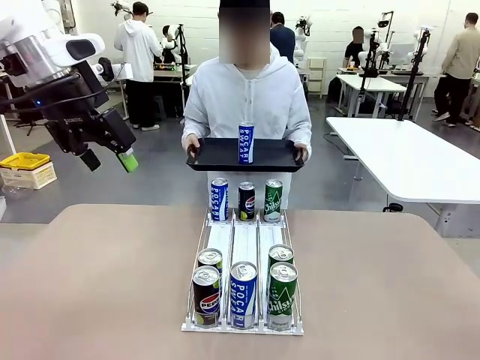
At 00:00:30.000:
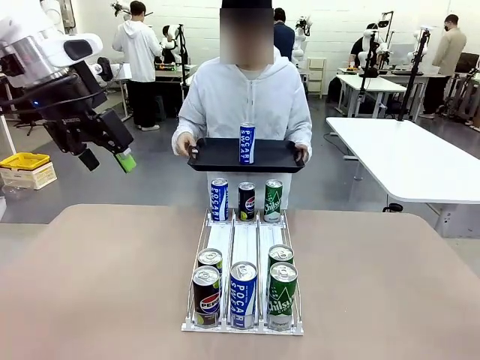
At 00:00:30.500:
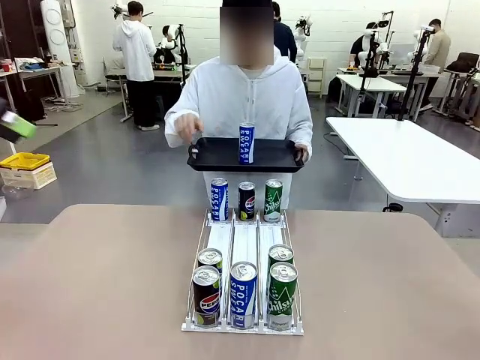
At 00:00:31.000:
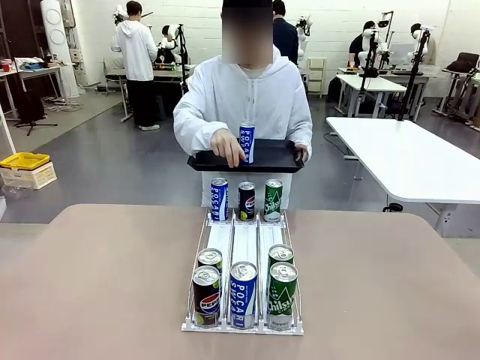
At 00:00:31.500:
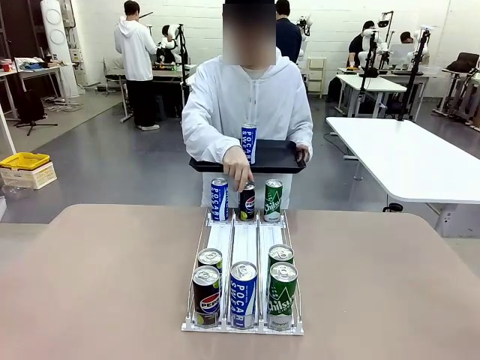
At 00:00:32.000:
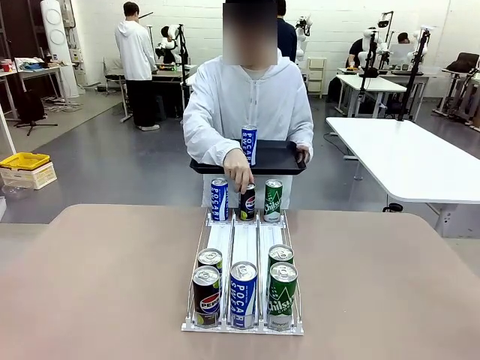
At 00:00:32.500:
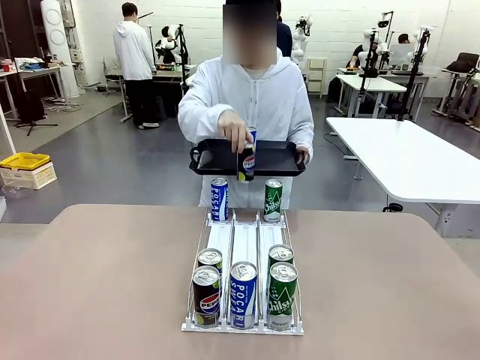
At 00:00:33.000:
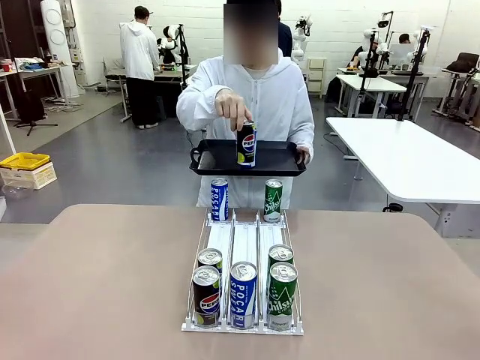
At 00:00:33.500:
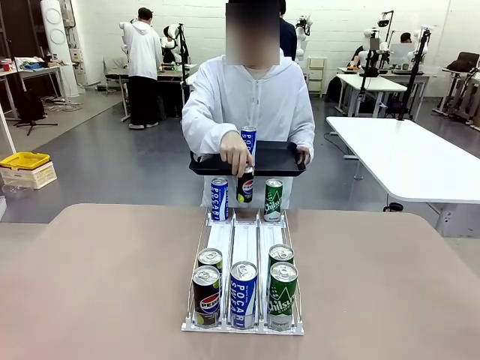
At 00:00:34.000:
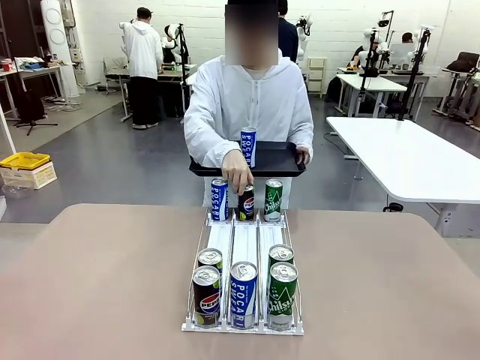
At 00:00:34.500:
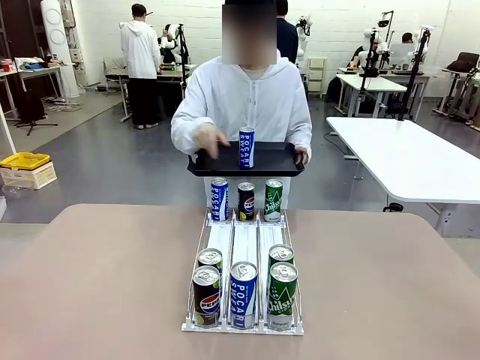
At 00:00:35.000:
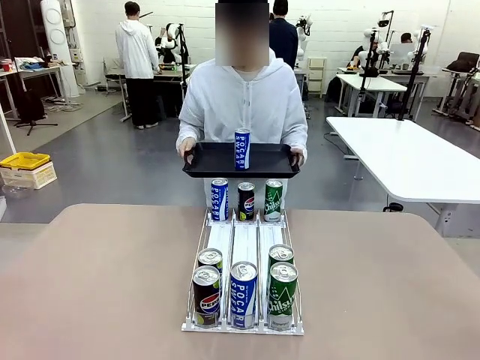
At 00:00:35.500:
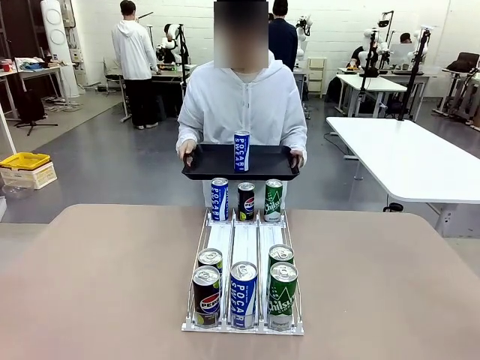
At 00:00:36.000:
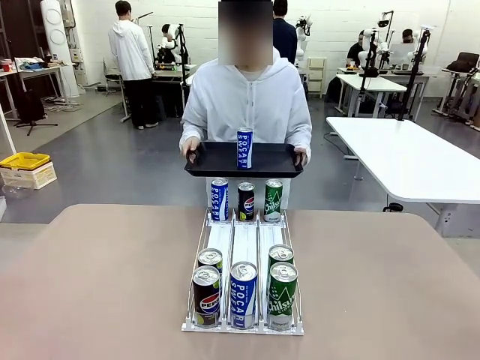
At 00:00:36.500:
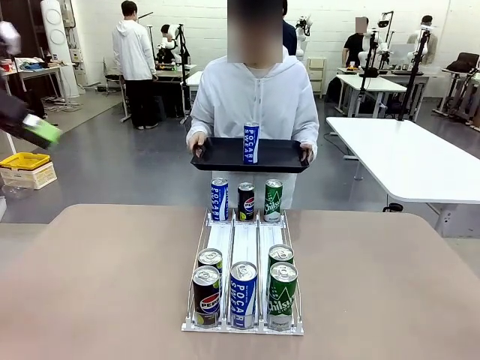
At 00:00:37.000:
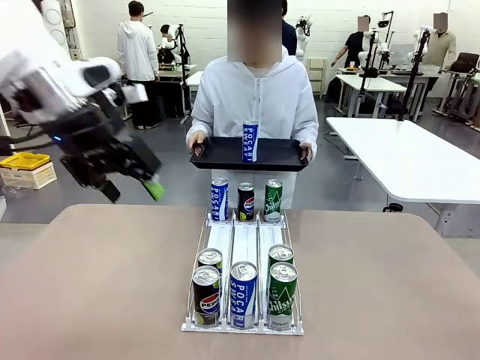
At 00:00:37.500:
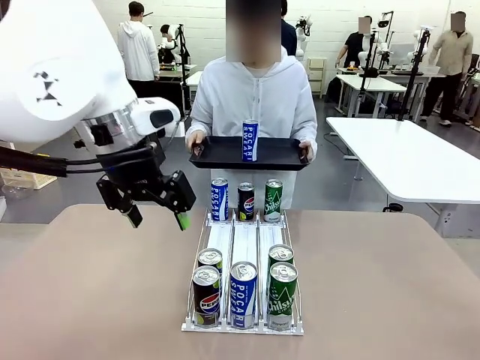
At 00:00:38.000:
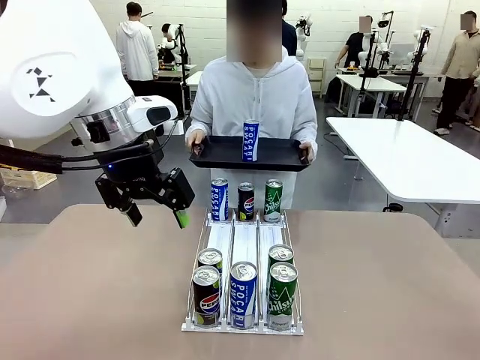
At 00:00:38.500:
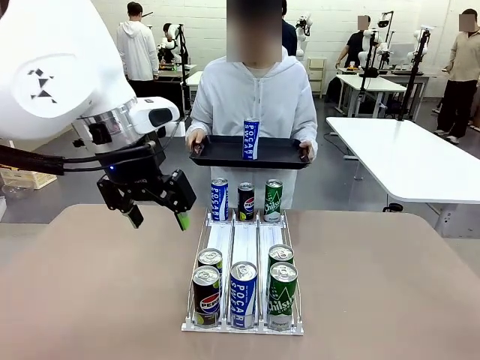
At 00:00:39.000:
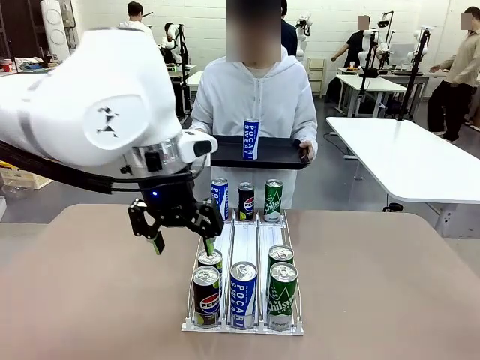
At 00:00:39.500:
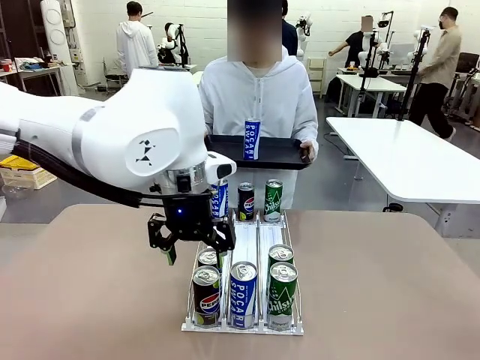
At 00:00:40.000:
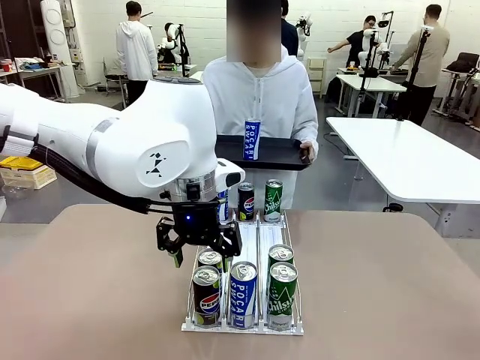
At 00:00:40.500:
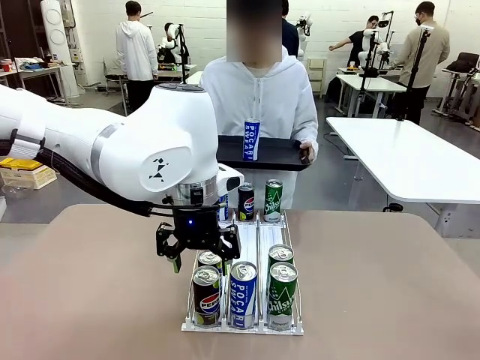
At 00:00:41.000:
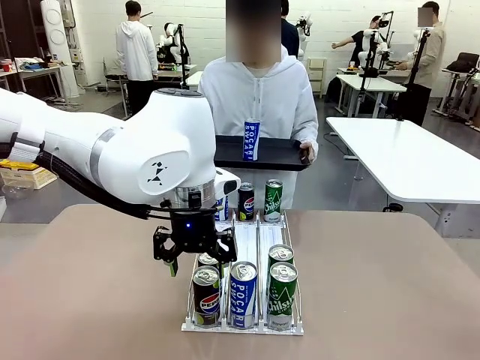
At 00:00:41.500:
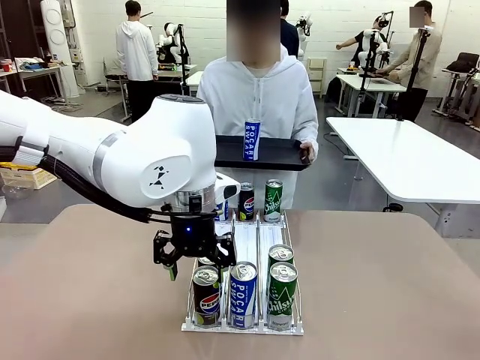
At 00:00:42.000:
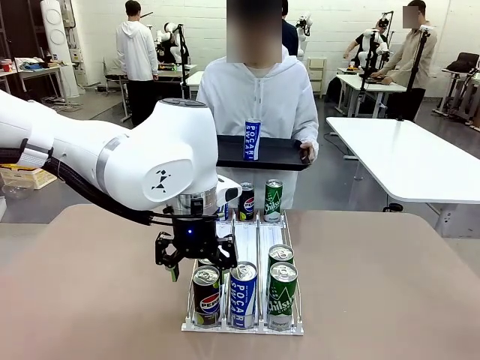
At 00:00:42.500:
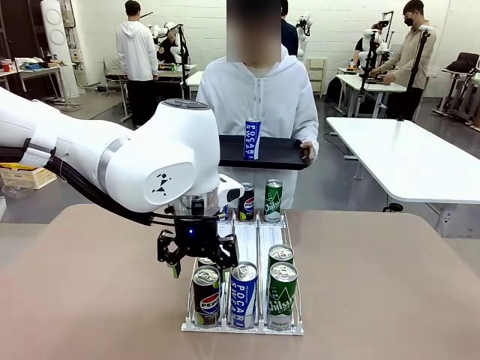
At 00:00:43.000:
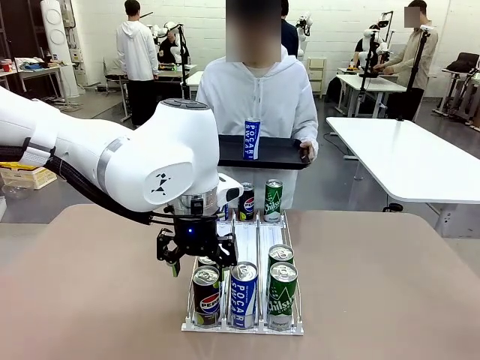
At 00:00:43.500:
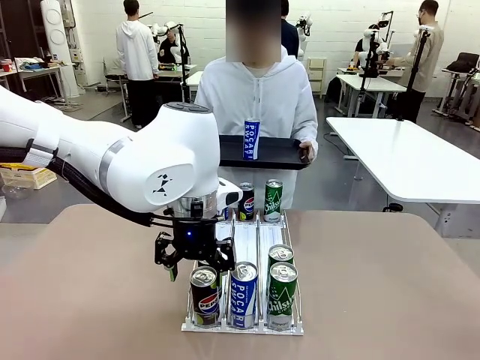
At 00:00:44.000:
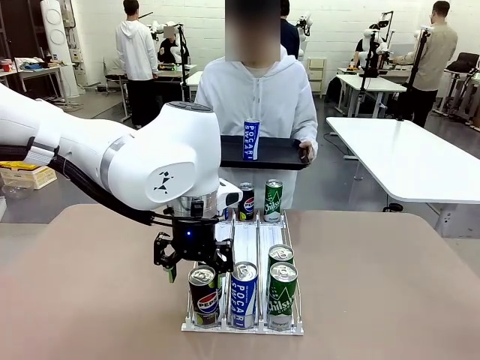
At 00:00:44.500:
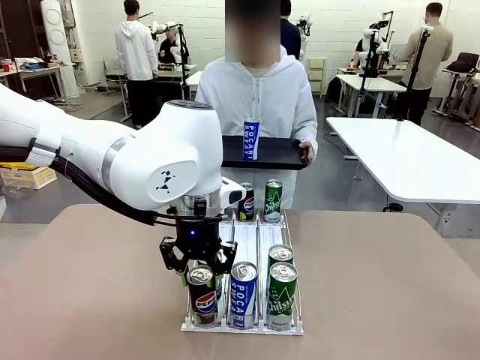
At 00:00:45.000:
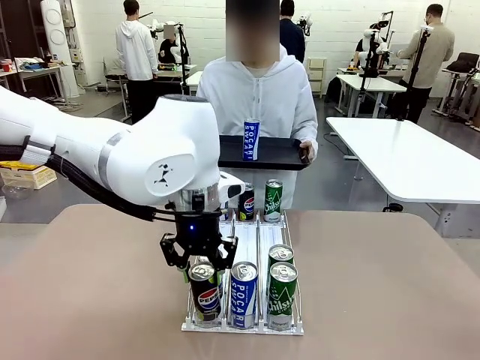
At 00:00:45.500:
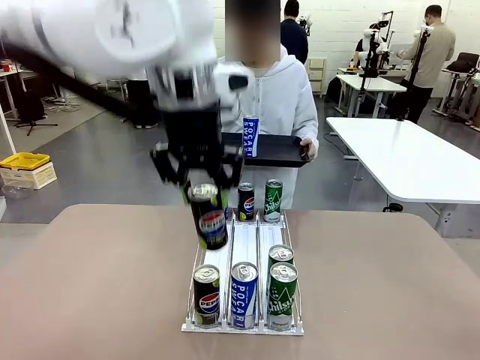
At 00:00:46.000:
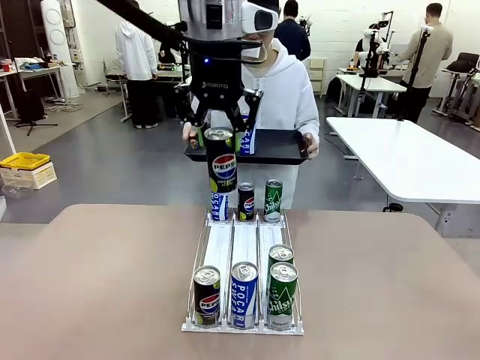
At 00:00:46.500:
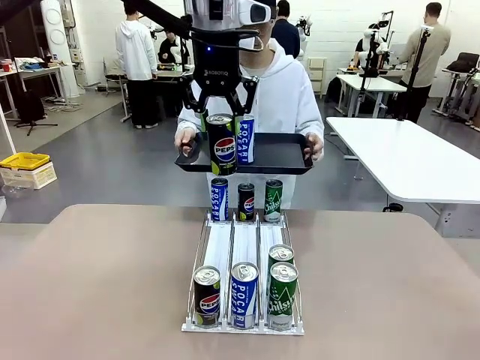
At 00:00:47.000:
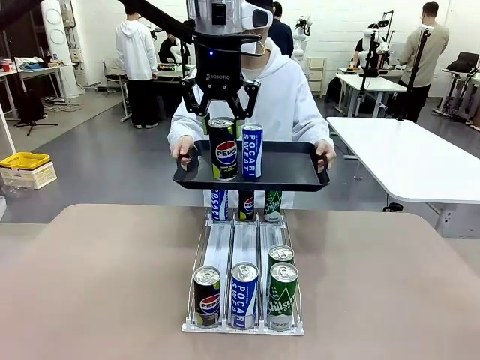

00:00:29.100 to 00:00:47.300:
Task: Retrieve and hand over the desired beverage to the person.
Robot: Pick up another can of the same type that the person held from the Automatic Can Dispenser.
Person: Pull the tray back, then pick up another can from the bottom area of the table and puts it back in its original place. Push the tray toward the robot again.

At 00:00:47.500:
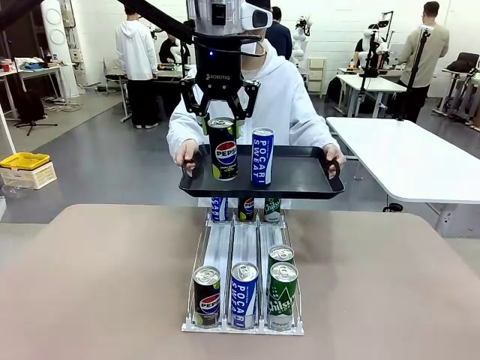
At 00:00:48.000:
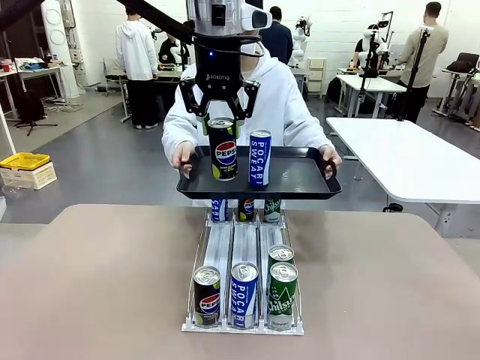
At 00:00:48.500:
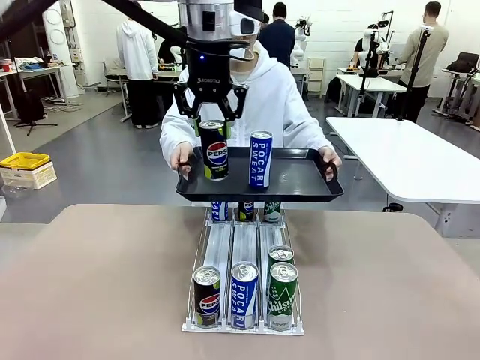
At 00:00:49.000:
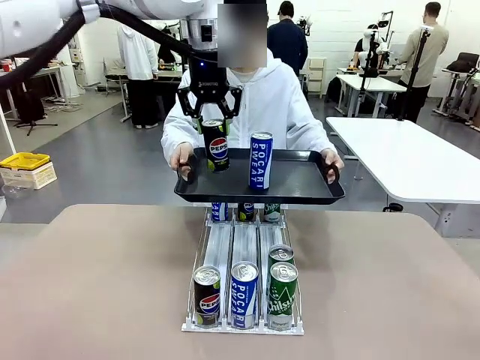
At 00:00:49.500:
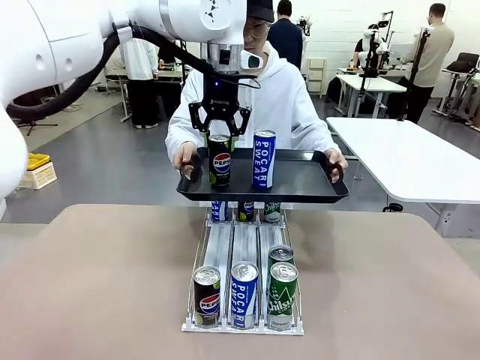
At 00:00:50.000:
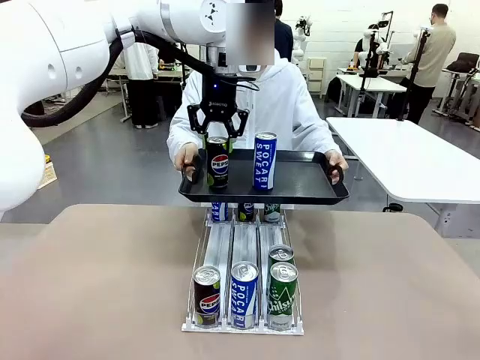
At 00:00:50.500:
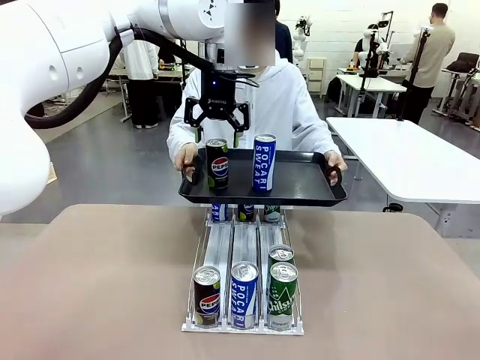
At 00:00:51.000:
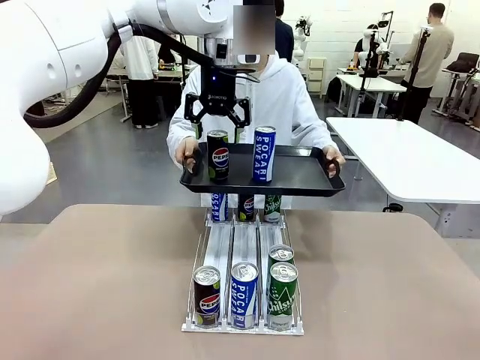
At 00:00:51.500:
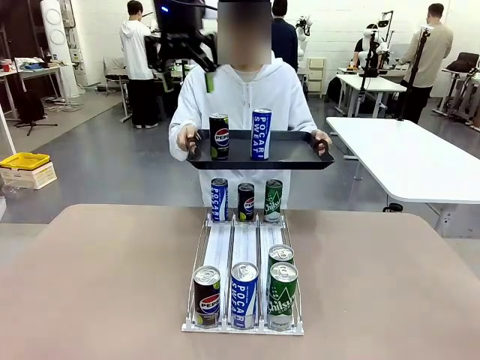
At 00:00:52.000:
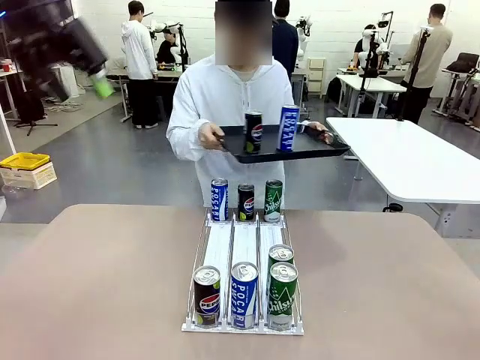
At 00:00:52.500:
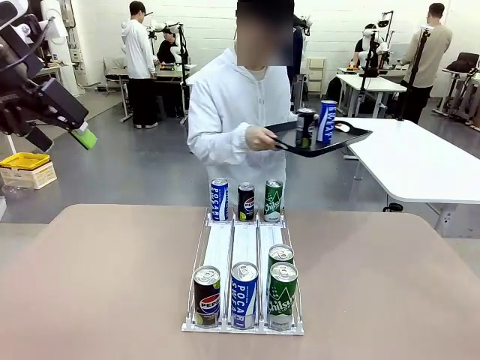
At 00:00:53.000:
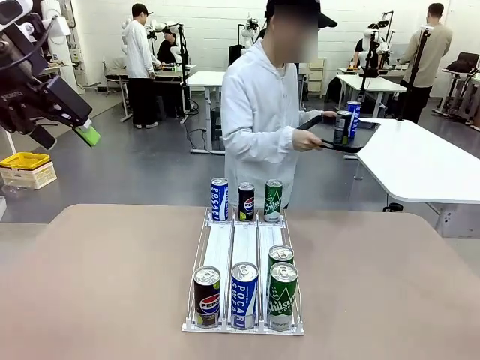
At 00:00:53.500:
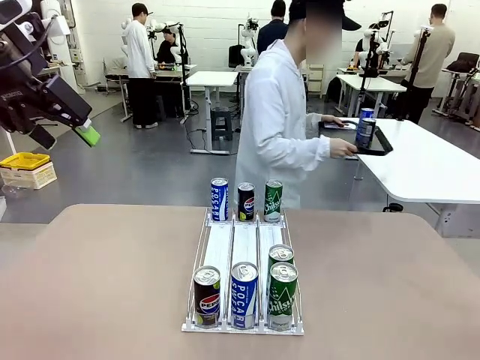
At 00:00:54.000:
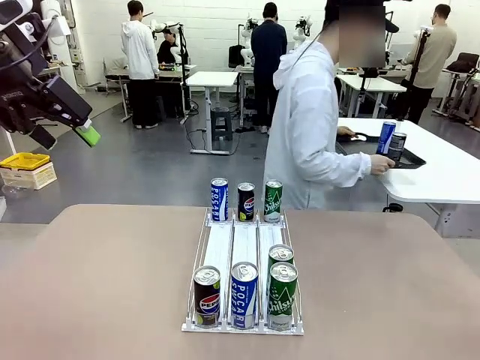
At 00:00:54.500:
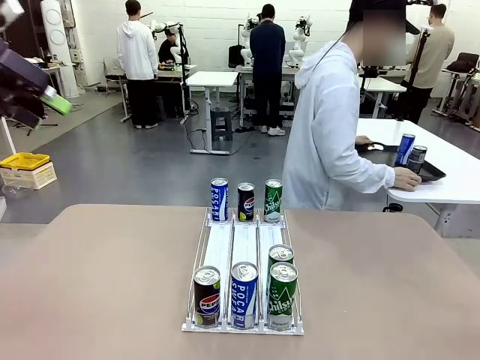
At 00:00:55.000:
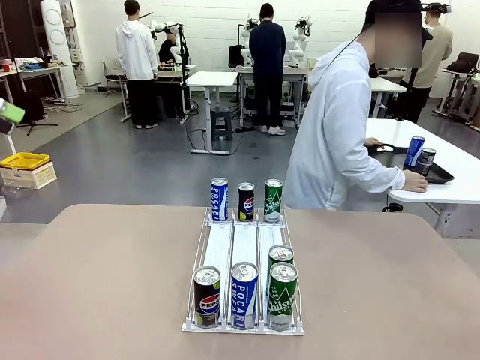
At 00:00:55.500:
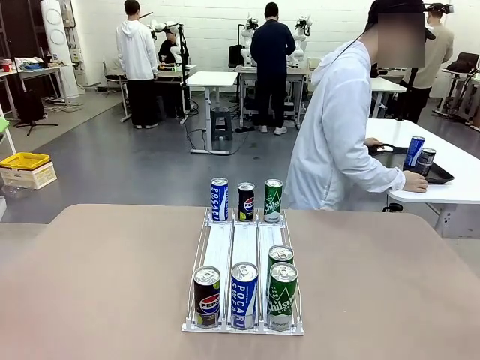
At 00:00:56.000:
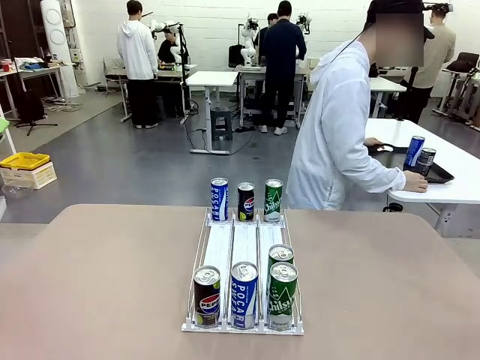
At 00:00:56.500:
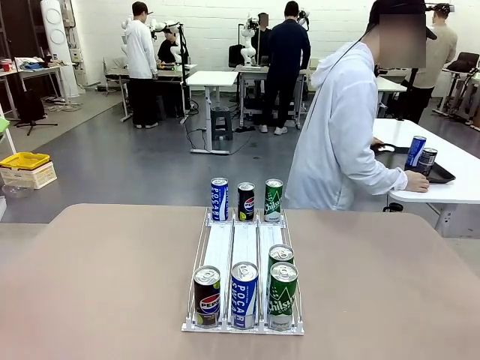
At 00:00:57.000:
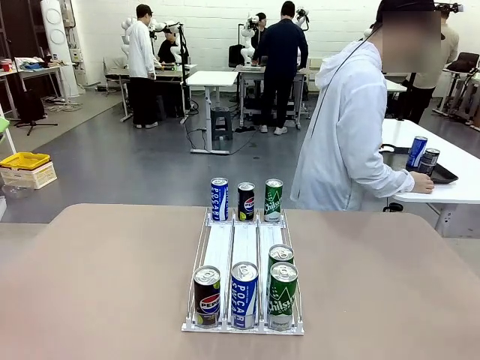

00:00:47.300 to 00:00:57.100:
Robot: Place the picked can on the Handle tray extended by the person.
Person: Pull the tray back and place it at the center of the human table.
